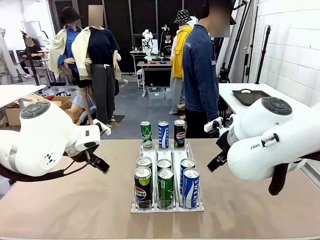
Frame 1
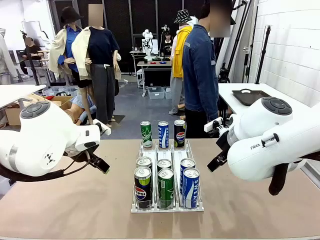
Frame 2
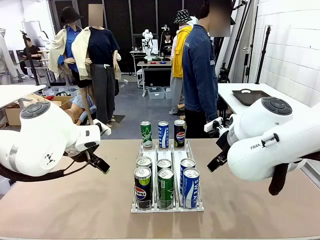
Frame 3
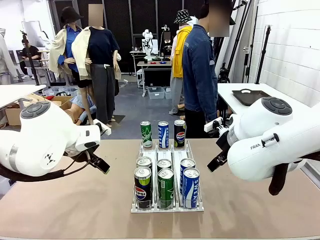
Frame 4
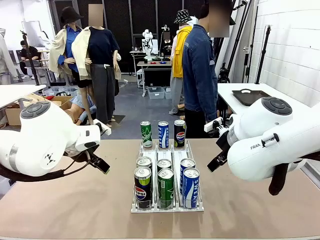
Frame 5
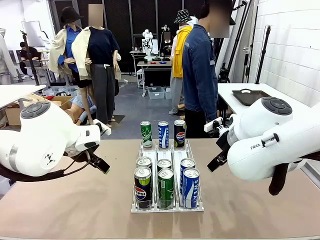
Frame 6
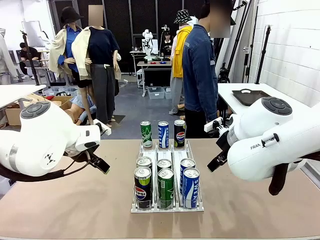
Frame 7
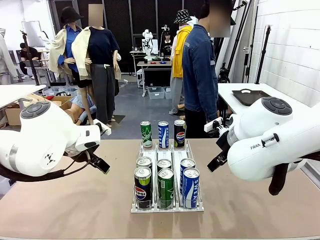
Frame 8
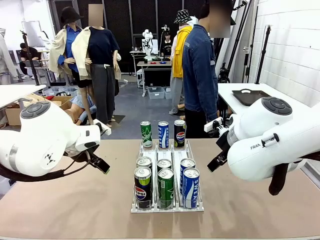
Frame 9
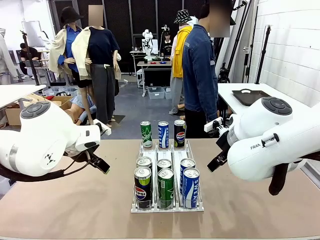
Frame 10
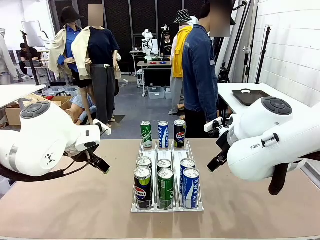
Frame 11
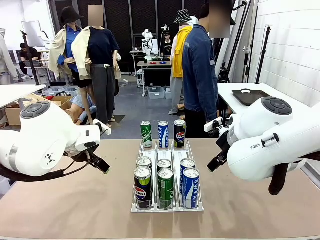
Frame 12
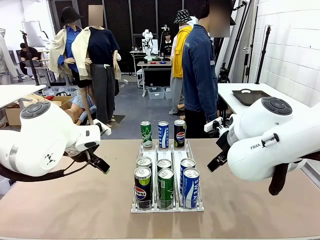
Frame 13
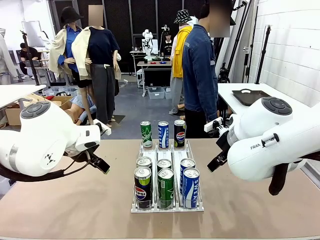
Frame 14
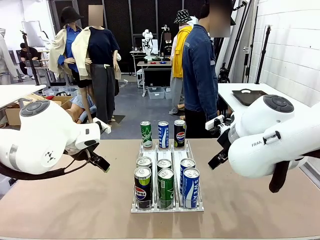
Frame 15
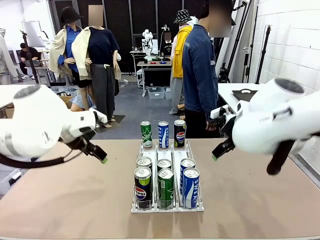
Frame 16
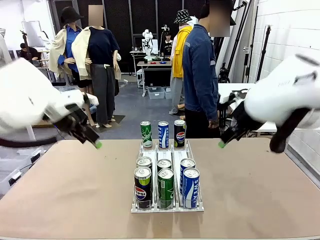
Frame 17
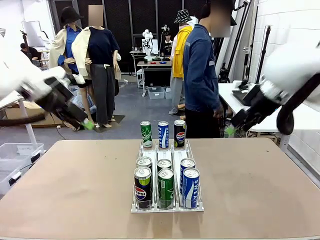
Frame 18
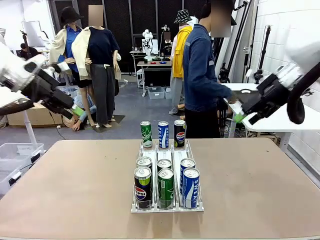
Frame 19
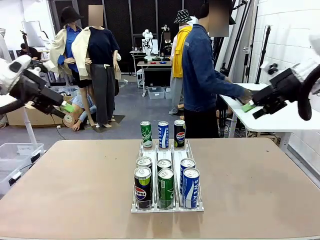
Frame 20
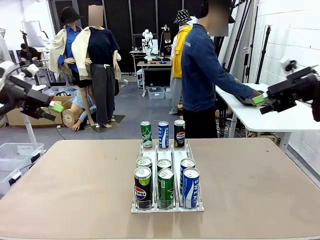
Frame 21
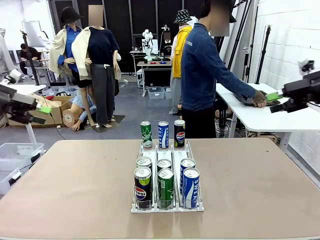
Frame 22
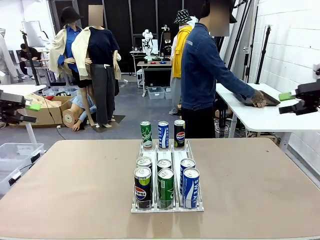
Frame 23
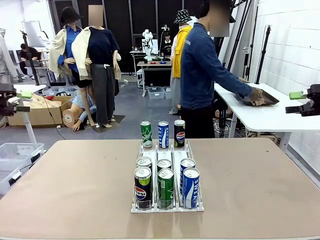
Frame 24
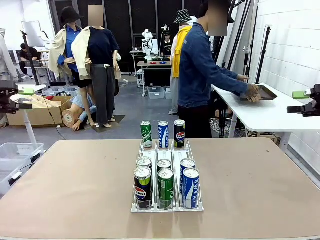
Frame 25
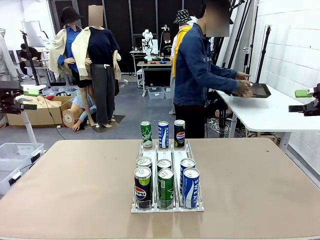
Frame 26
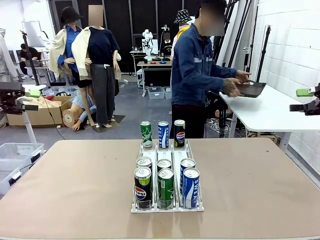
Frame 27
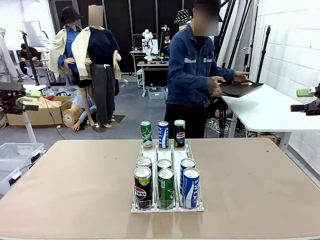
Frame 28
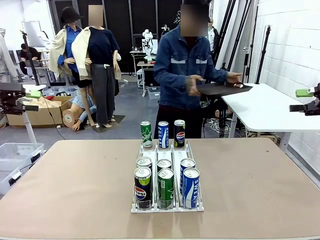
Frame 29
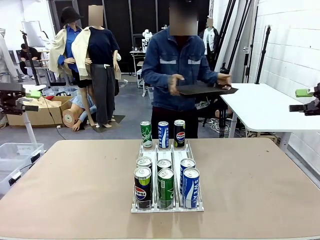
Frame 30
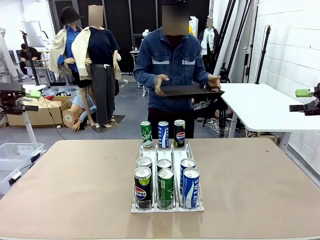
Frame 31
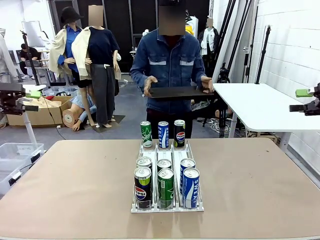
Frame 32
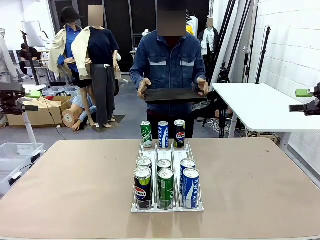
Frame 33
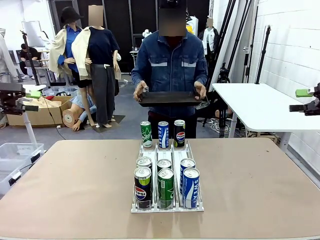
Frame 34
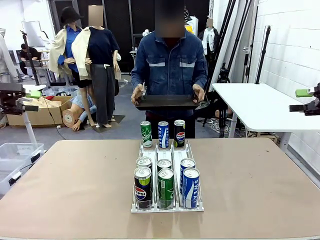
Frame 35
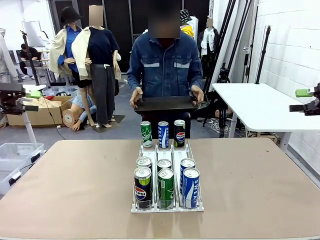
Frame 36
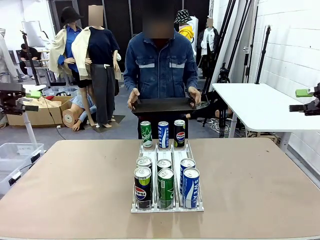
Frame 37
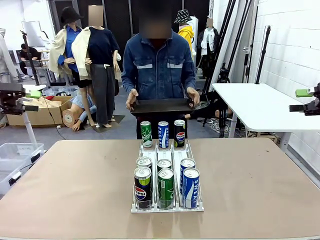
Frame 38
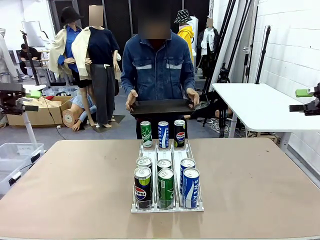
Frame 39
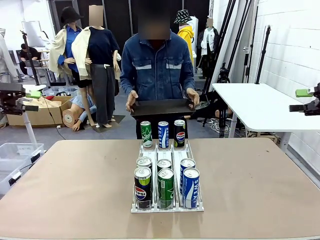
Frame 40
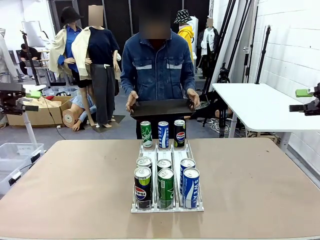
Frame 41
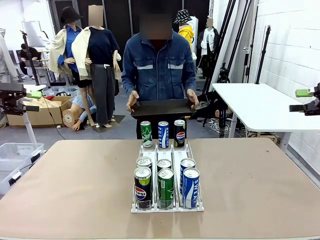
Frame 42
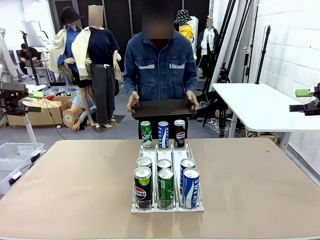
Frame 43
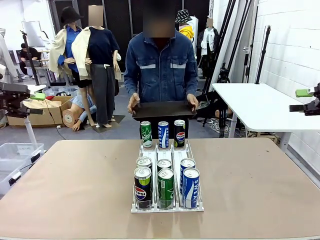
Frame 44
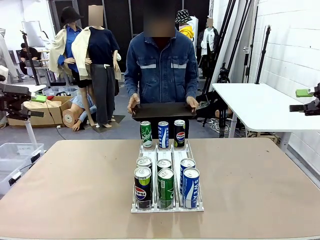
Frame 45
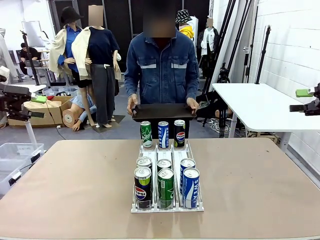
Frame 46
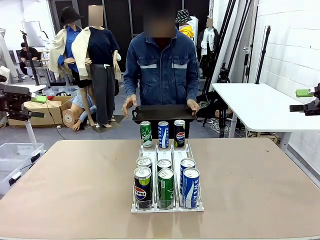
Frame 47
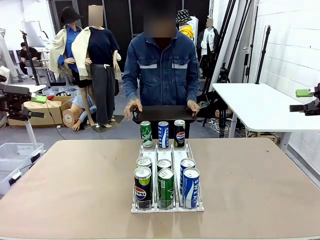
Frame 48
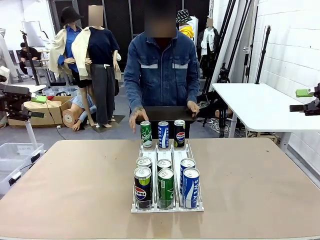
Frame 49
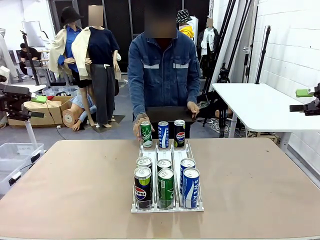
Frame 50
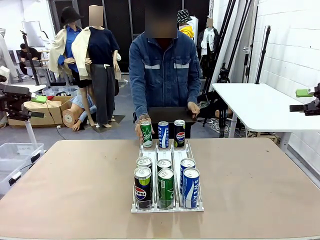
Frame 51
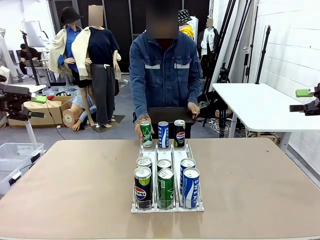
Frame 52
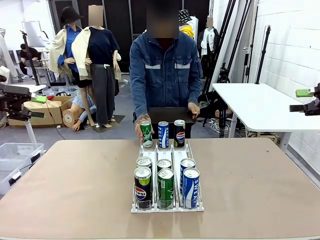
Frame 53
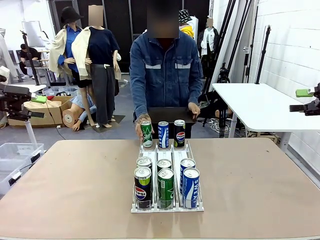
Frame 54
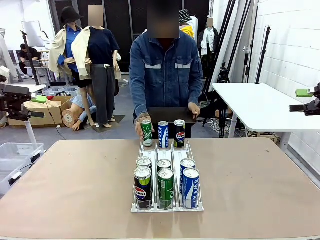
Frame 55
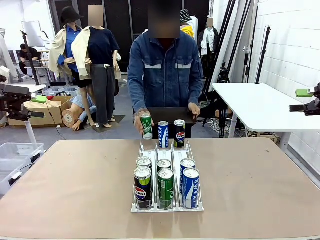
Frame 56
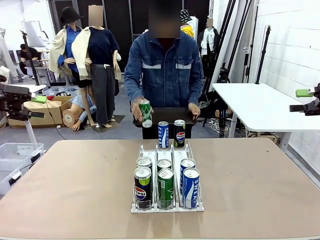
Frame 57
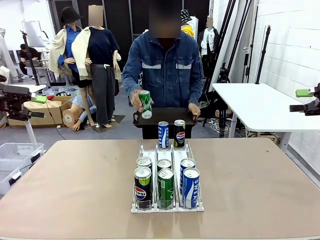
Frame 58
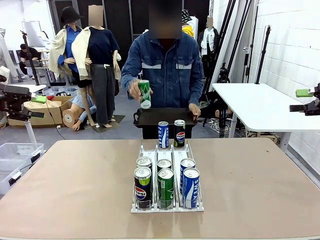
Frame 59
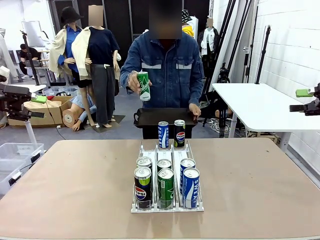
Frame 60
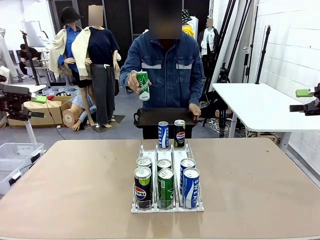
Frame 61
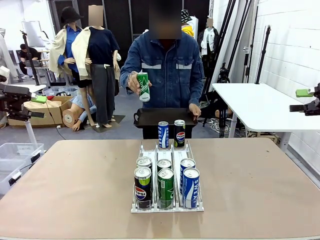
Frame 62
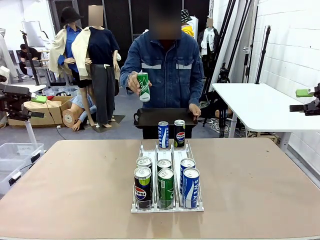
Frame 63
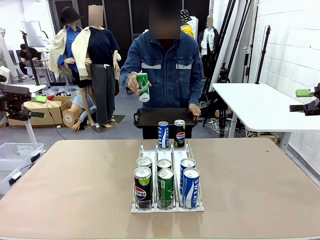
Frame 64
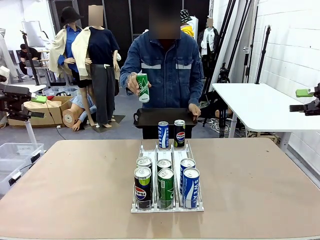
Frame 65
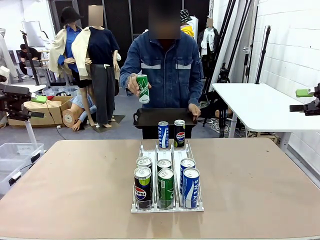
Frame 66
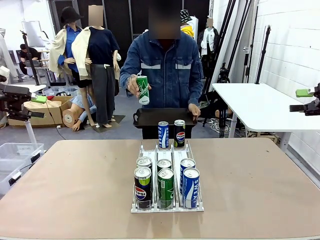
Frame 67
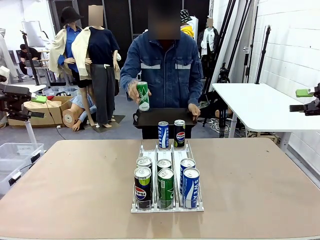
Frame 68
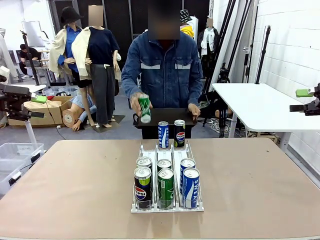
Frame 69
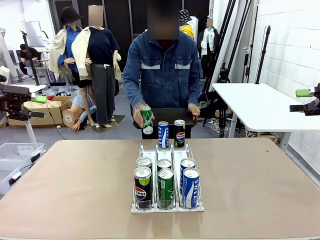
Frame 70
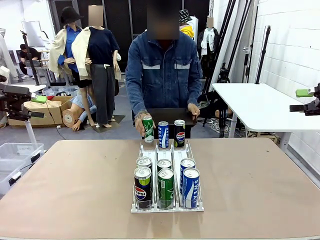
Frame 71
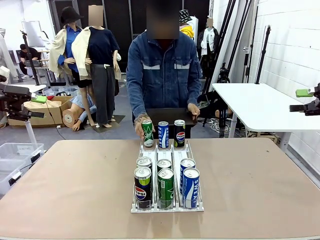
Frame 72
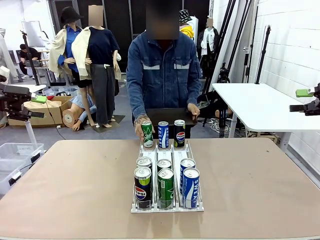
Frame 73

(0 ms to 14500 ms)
Task: Retrieve and hand over the desired beverage to the person.
Robot: Pick up a can of the same type that the person held from the Automatic Can Dispenser.
Person: Hold the tray and position yourself in front of the robot table. Pick up one can from the bottom area of the table and puts it back in its original place.
